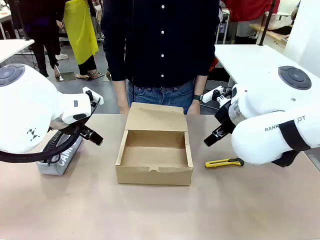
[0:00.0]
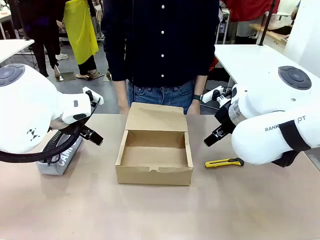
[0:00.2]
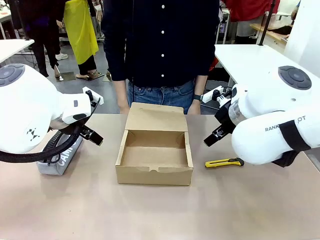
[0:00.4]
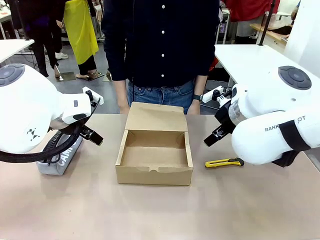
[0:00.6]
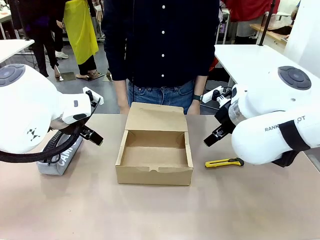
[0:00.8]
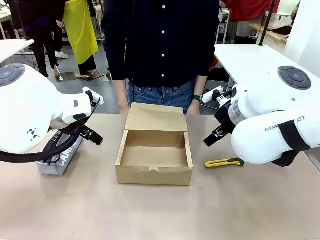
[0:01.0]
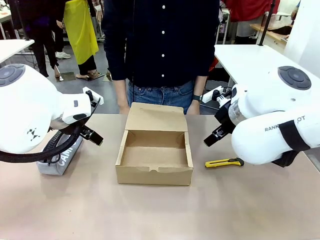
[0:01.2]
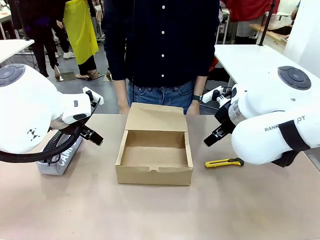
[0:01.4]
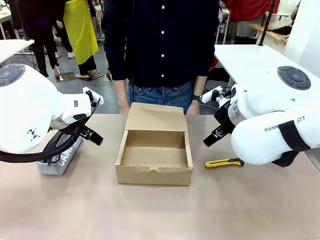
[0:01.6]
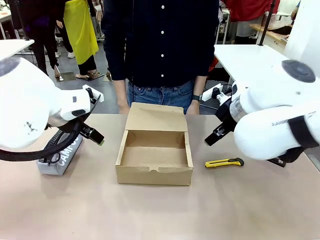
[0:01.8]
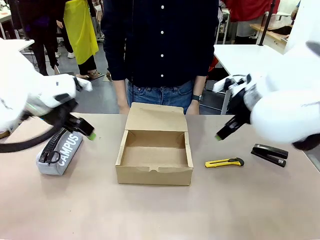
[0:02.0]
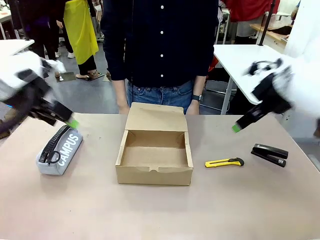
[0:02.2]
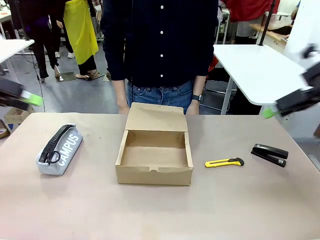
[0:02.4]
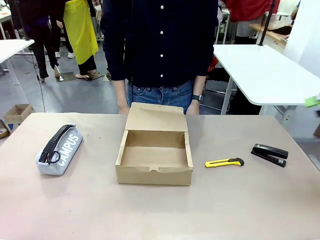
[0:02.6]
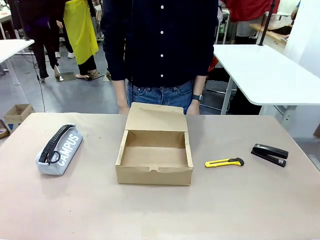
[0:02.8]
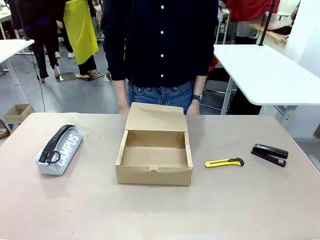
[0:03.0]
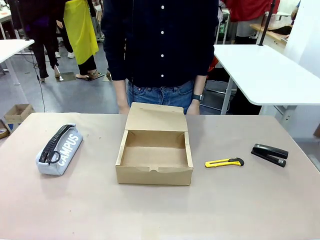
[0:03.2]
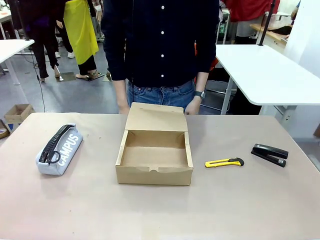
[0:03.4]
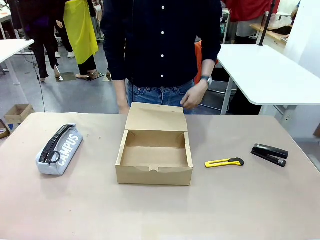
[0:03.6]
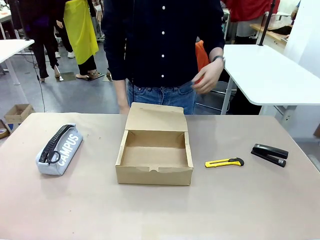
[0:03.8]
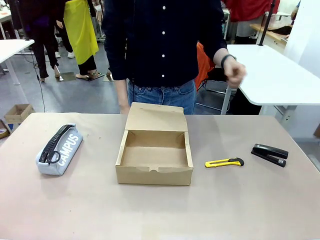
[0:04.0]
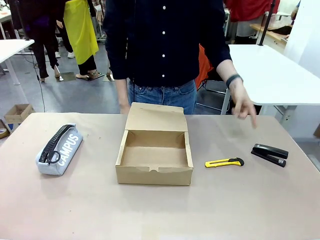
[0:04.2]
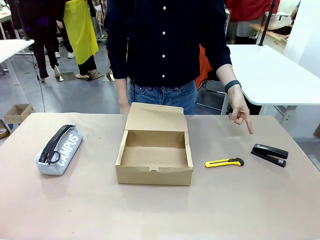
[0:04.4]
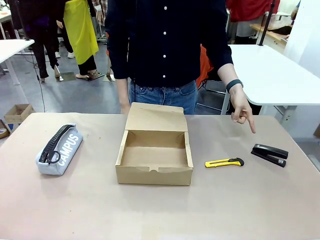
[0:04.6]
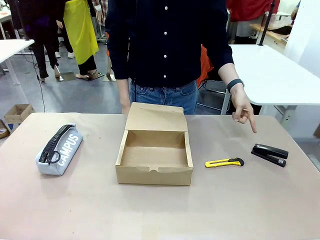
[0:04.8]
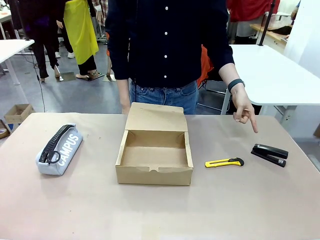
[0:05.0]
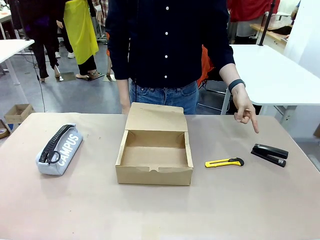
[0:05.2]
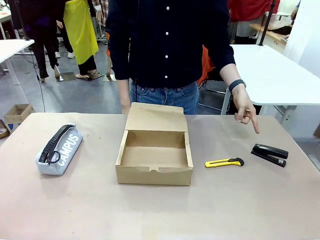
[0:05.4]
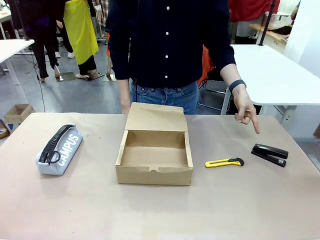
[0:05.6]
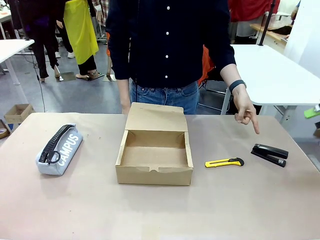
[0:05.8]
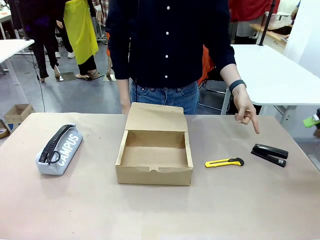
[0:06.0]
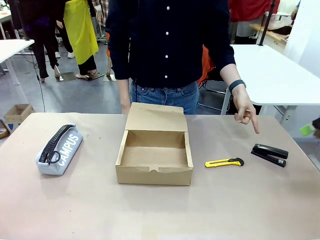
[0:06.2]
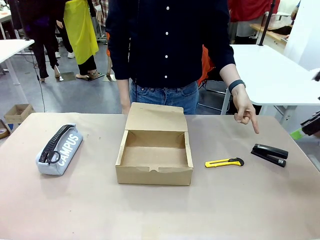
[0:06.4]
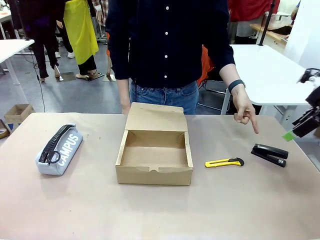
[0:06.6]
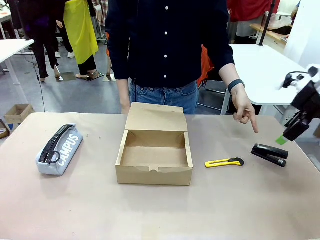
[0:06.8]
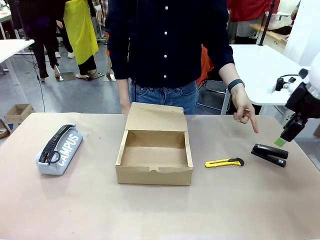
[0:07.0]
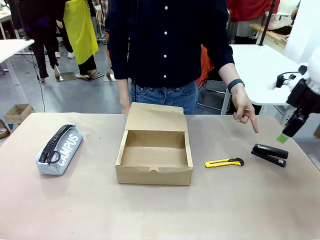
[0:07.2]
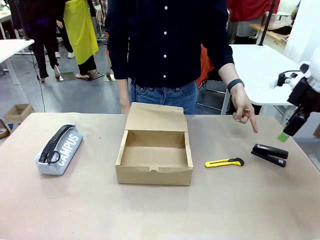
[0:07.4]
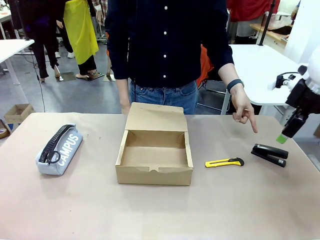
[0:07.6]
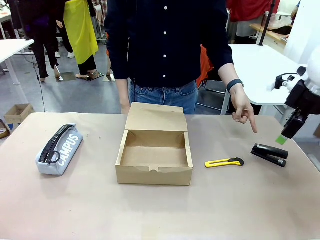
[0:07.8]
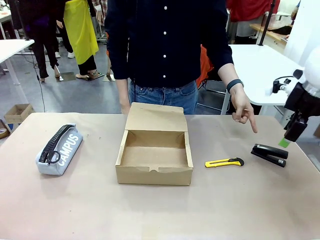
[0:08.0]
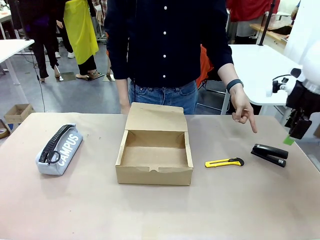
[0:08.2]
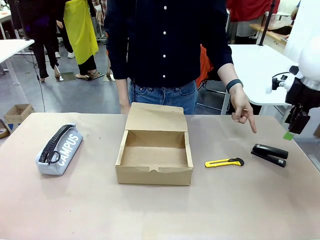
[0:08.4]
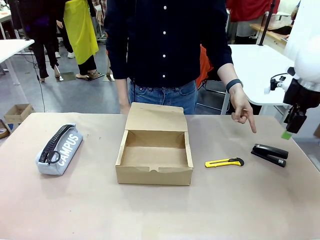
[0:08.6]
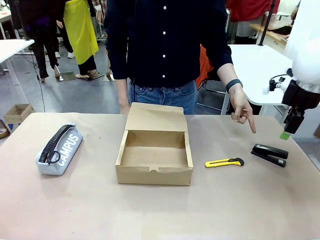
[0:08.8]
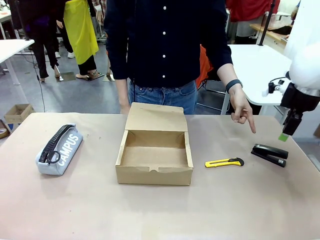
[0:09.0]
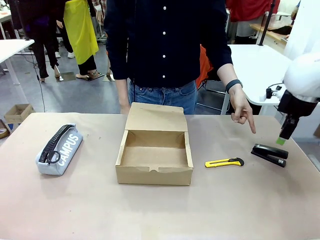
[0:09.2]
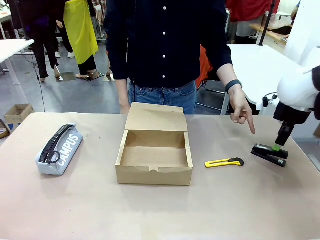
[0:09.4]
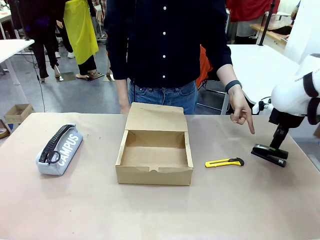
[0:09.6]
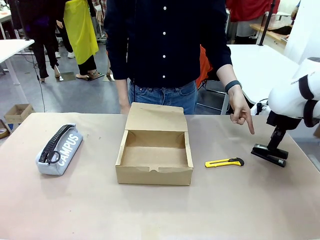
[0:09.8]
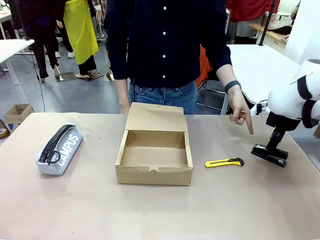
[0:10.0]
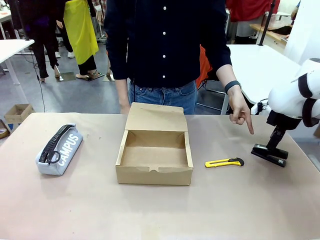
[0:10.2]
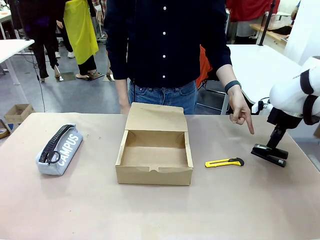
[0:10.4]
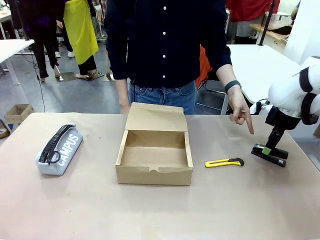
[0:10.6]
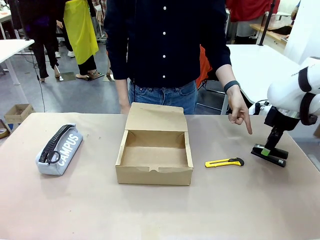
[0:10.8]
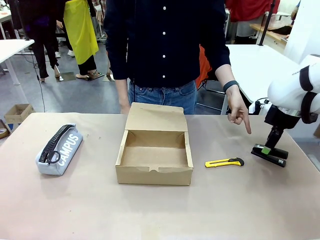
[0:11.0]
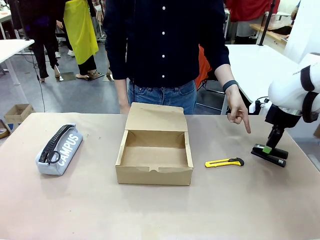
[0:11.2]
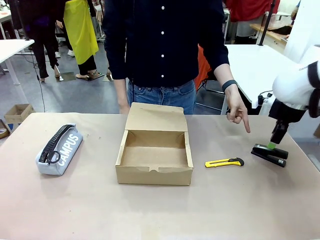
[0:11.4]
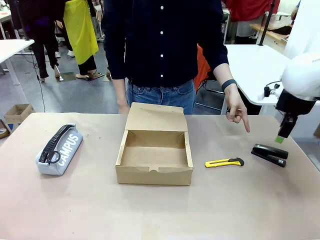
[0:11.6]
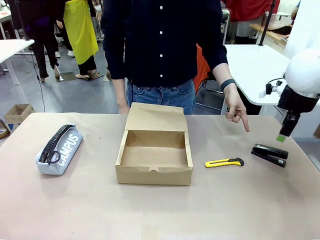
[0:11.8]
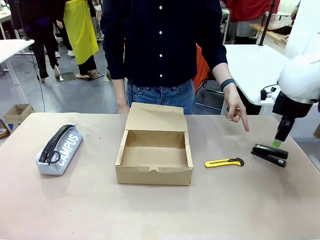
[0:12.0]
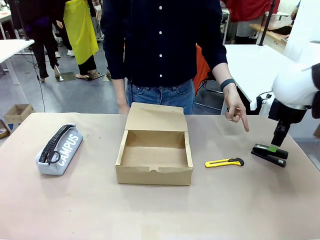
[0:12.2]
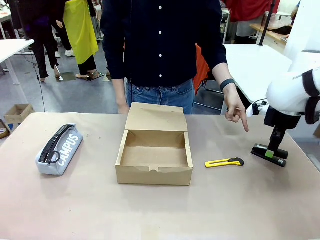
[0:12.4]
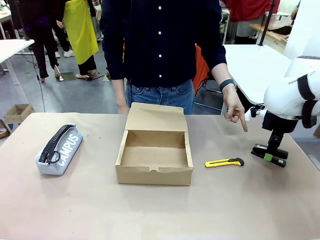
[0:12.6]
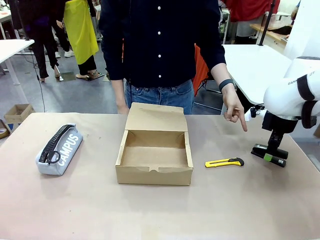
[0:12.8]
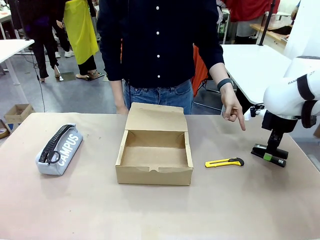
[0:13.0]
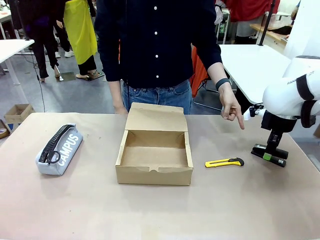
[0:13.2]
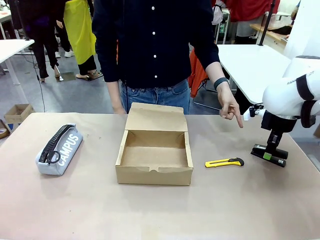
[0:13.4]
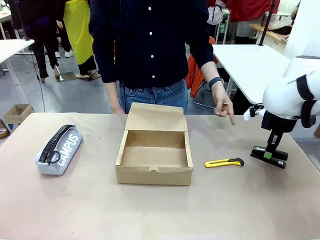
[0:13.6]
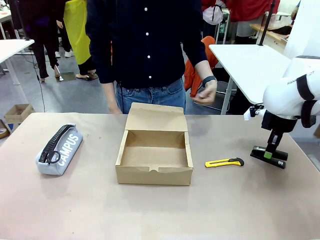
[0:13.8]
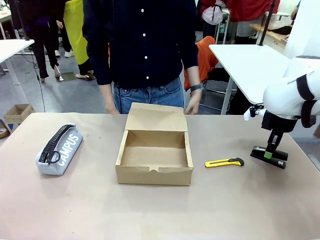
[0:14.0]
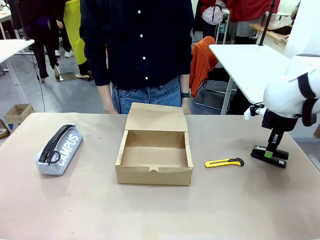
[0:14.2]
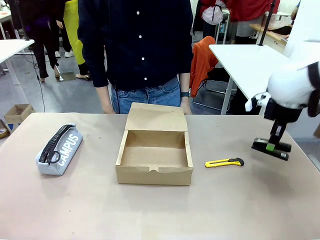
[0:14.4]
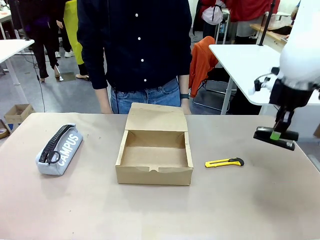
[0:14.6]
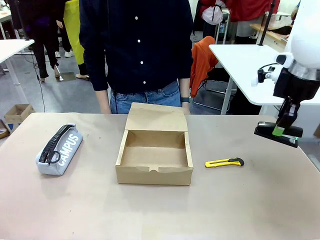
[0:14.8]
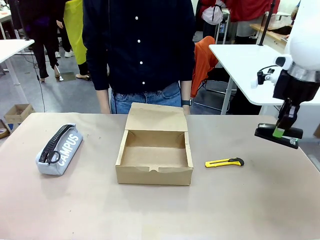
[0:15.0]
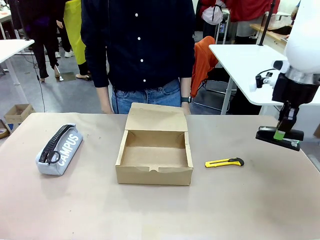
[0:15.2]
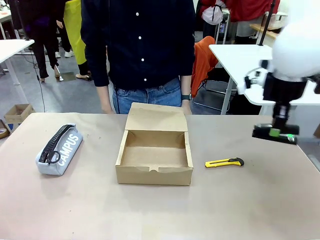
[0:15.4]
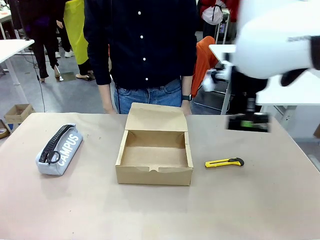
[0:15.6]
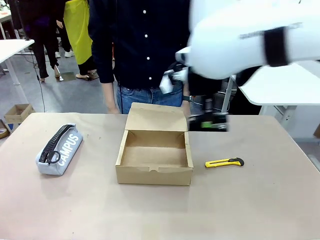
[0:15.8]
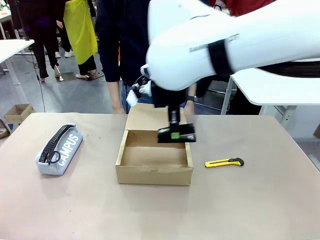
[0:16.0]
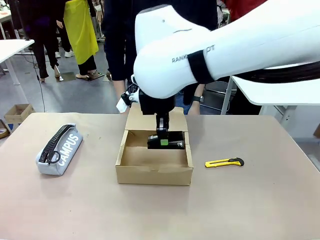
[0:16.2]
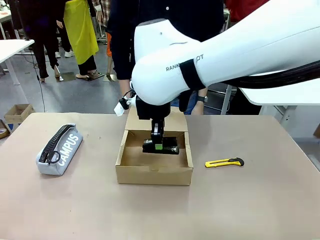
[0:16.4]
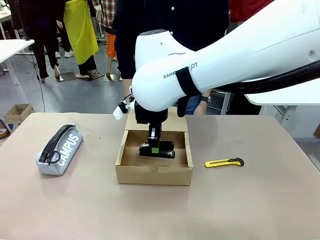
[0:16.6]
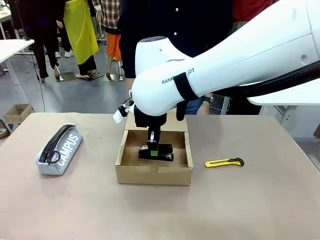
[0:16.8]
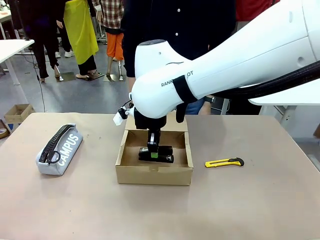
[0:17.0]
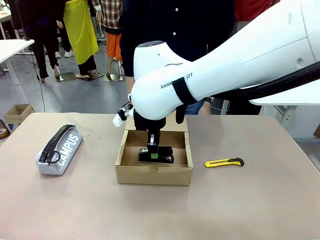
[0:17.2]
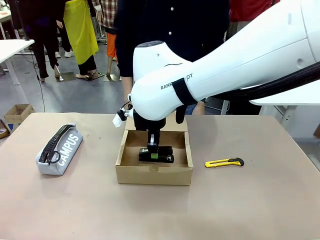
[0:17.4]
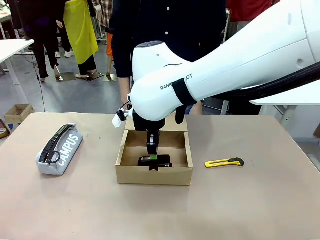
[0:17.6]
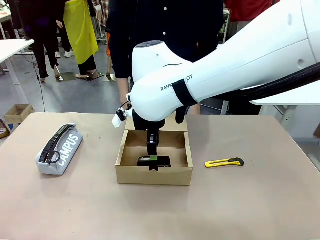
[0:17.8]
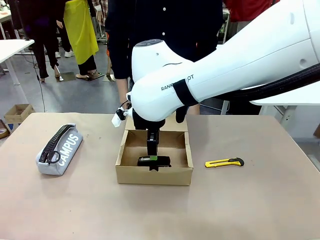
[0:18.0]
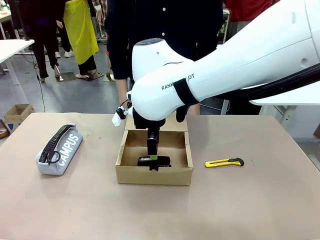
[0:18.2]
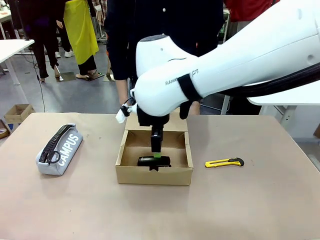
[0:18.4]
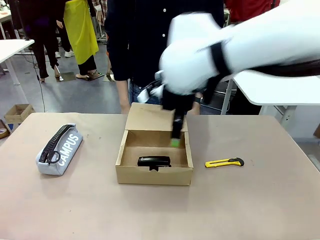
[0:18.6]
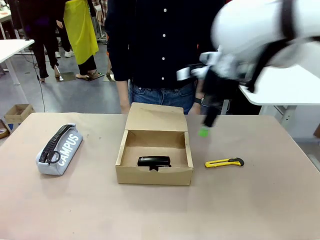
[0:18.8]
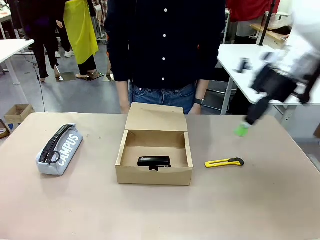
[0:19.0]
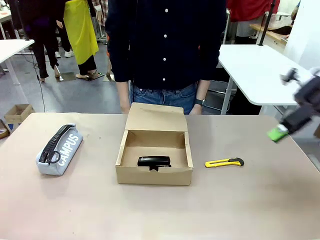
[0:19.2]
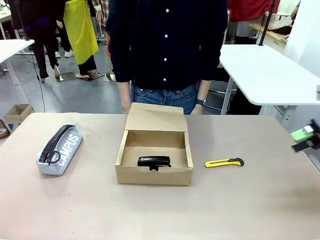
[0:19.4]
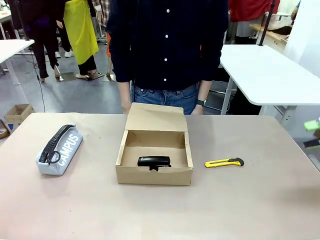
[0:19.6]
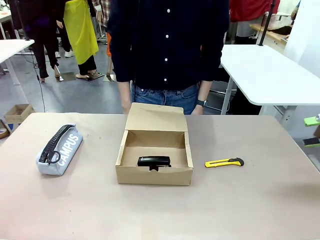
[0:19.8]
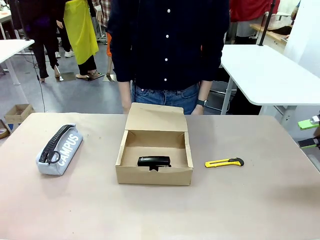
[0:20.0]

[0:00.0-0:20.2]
Task: Pack the item into the box.
Robot: Pick up the item indicated by the person and place it inside the Mailer Box.
Person: Point at one item on the table (excluding the box). Lower both hands vertically with palms facing downward, as if pressing something closed.
